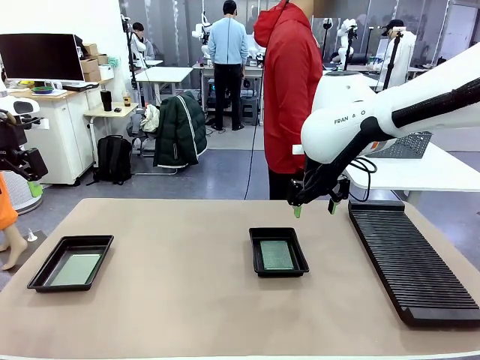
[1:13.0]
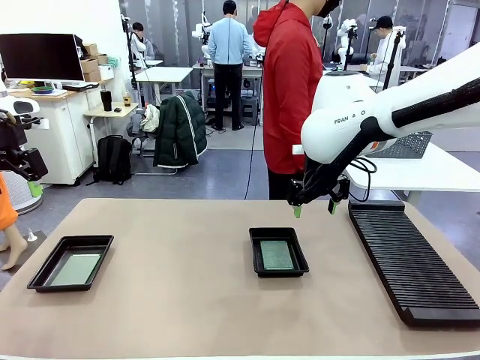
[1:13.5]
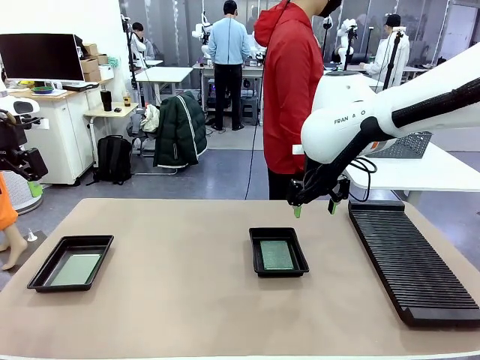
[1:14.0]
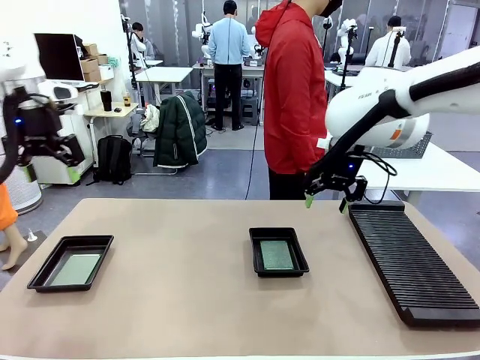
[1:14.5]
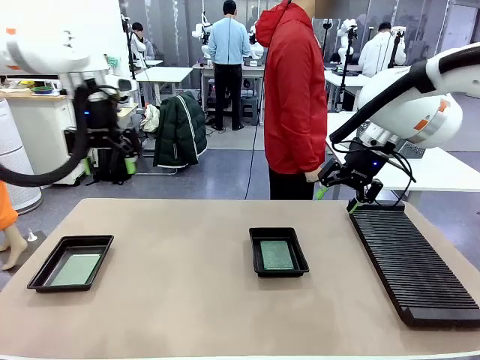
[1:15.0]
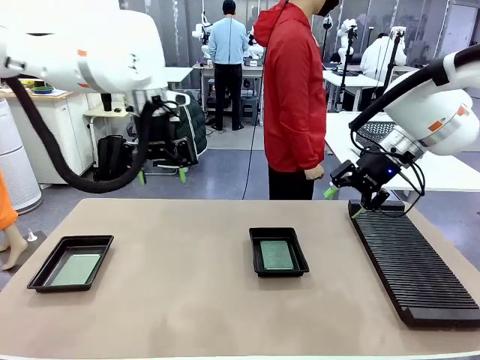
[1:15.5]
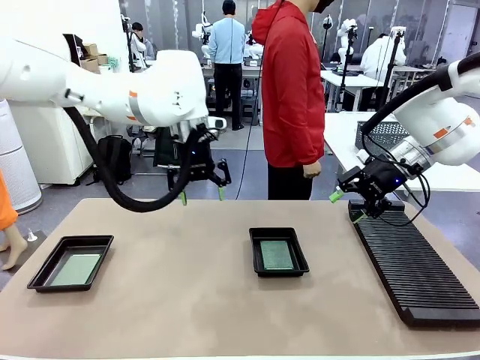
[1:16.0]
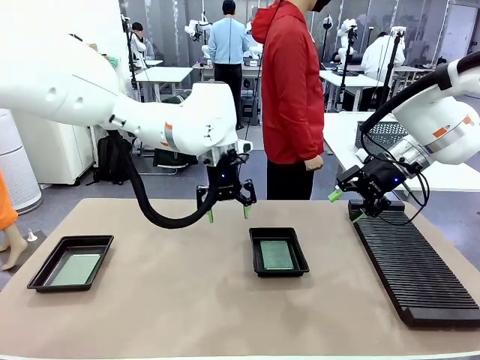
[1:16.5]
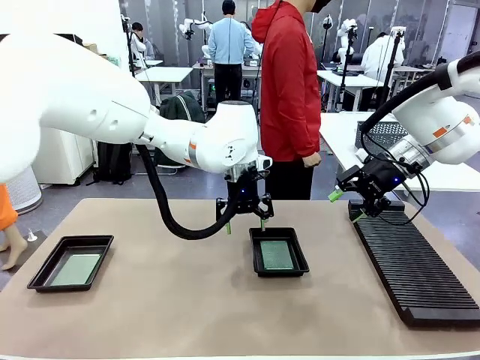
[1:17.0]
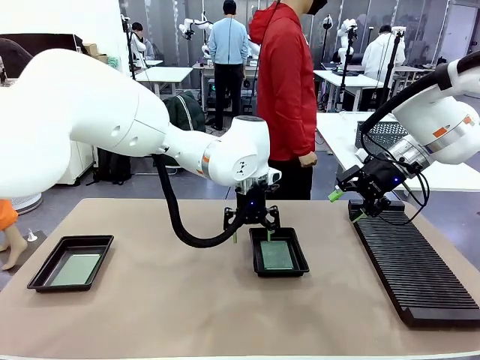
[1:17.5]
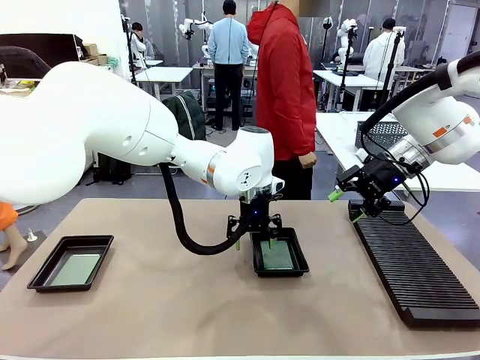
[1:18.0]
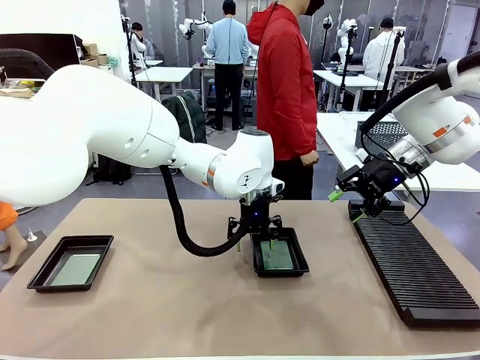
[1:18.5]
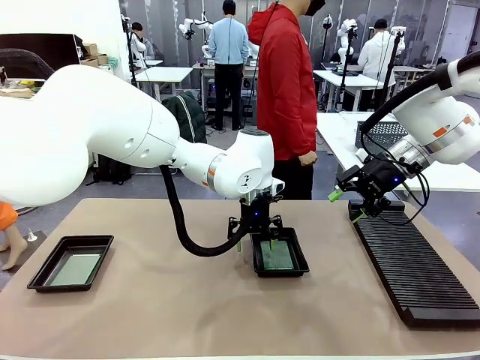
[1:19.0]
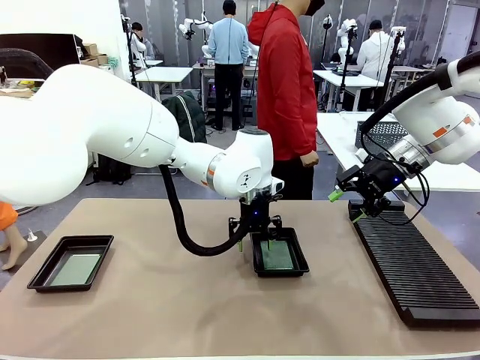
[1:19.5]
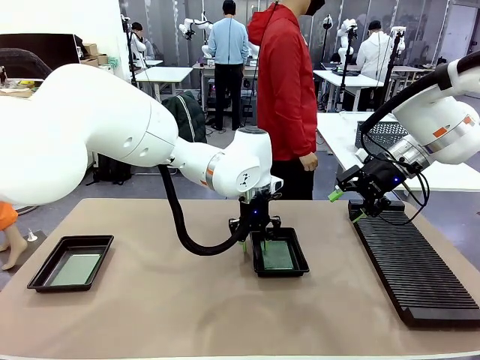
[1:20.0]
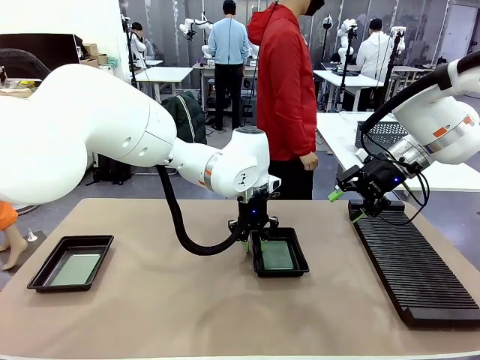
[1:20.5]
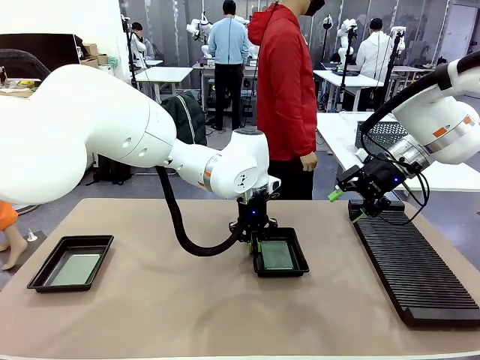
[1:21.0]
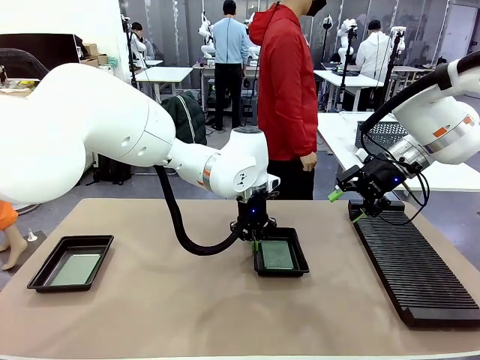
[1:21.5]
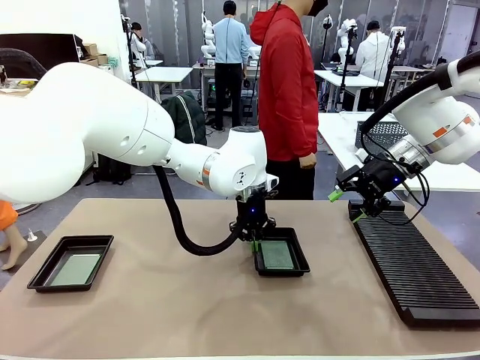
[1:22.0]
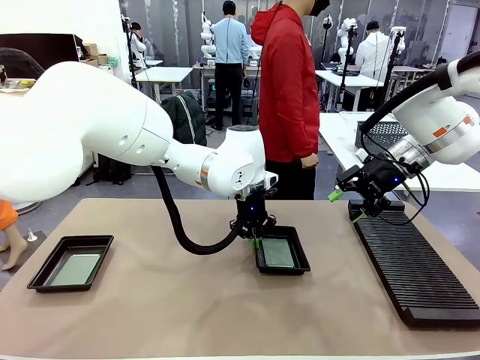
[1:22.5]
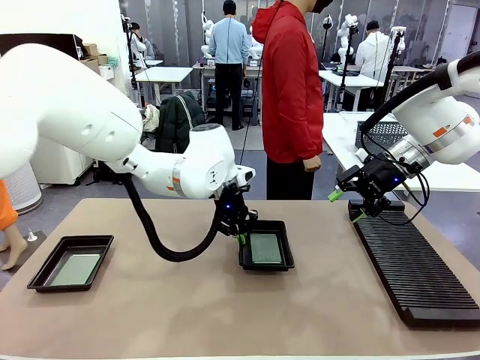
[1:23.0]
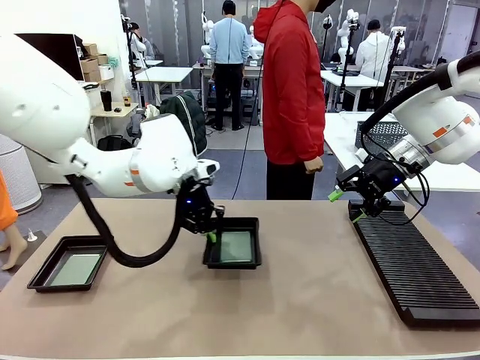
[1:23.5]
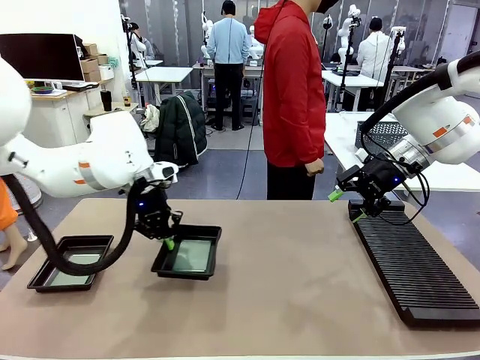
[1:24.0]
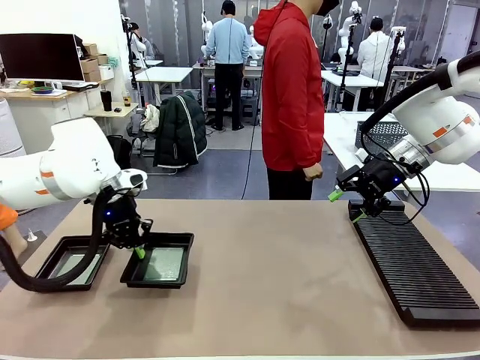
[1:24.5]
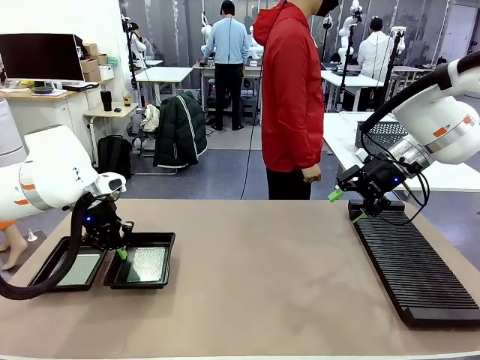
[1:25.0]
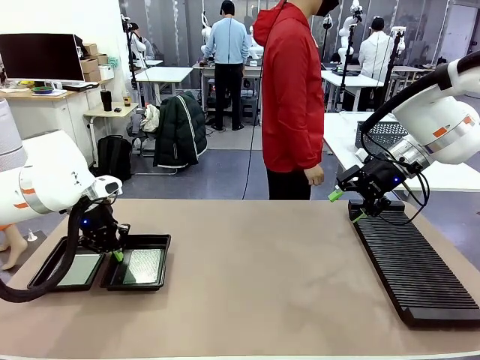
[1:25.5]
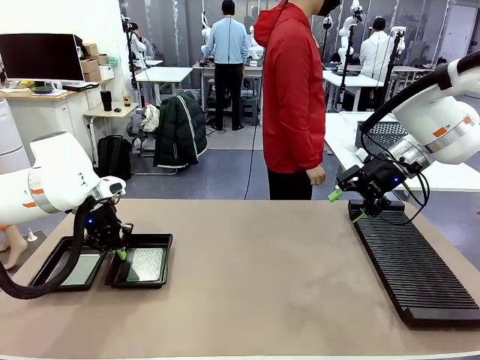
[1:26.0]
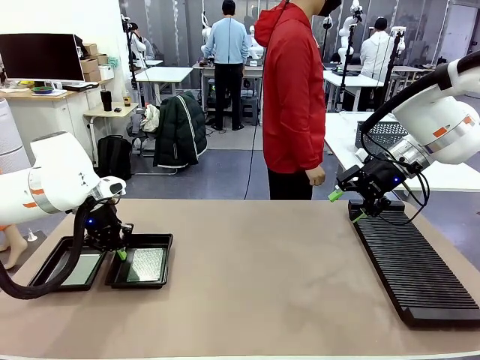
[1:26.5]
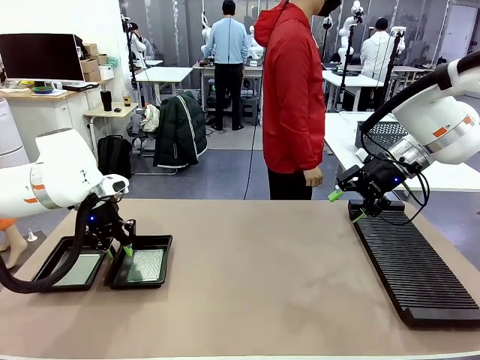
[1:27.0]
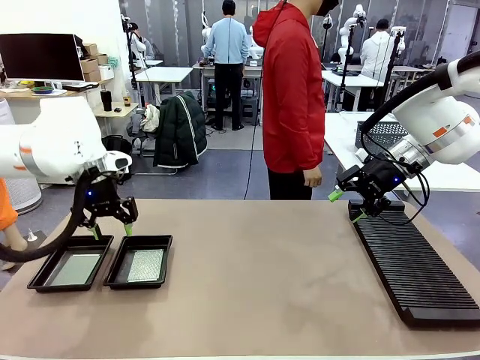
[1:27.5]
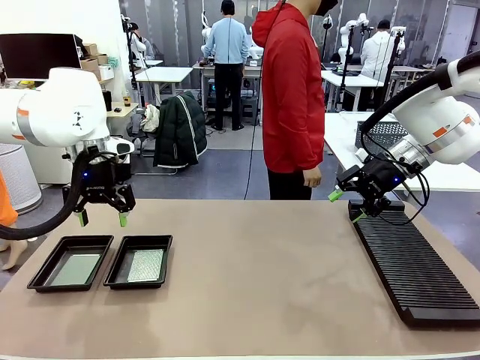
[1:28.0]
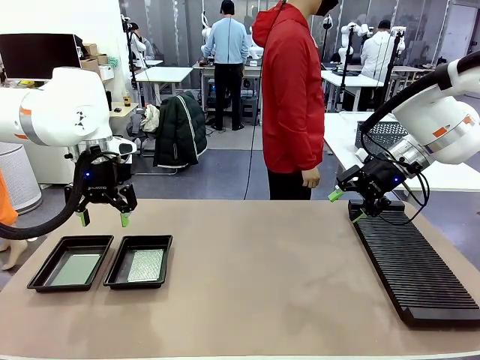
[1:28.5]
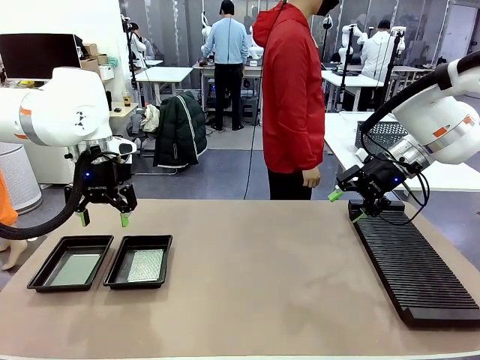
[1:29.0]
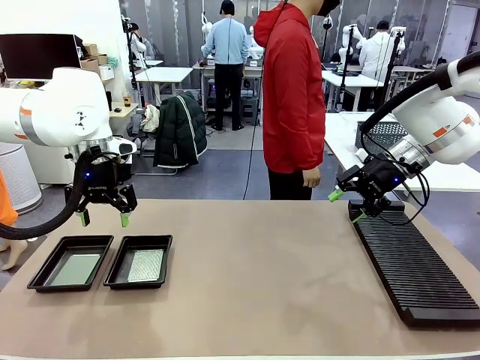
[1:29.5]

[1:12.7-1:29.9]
Task: Inspect and transfer BCBs to ESD trays.
Robot: Pick up the ESD tray and place it on the left side of the table.
